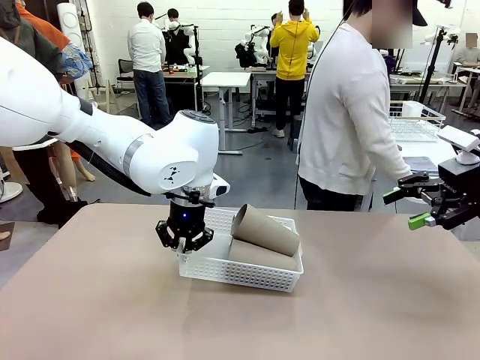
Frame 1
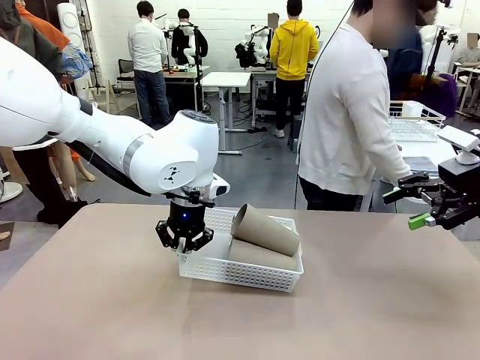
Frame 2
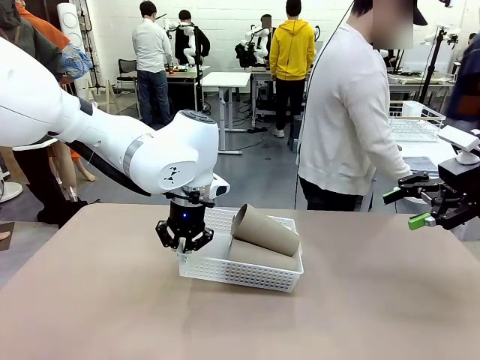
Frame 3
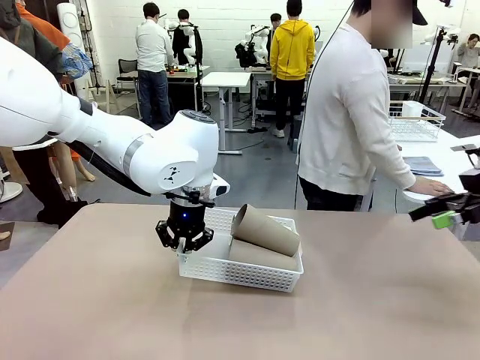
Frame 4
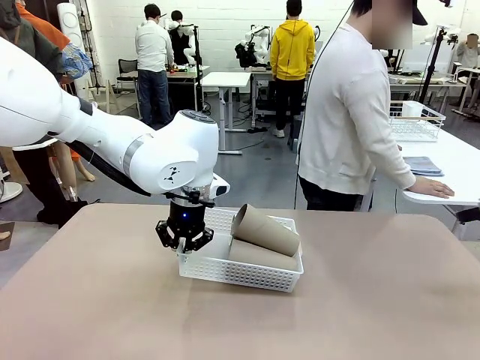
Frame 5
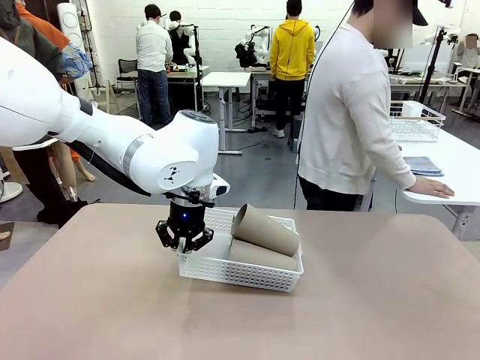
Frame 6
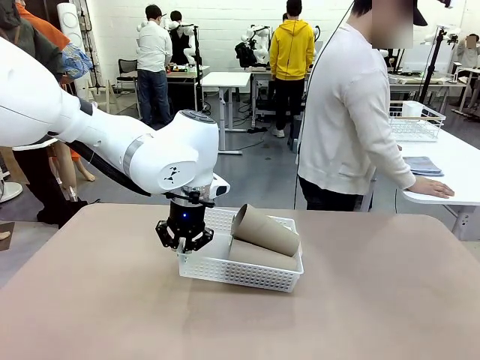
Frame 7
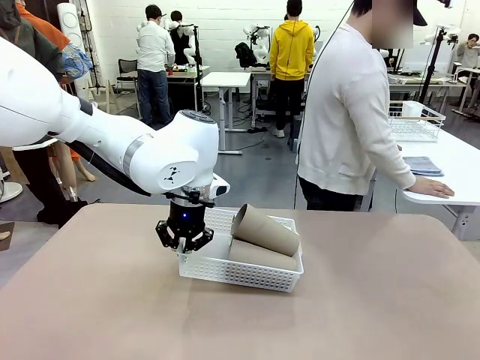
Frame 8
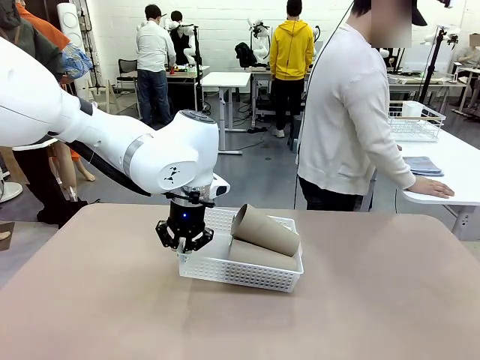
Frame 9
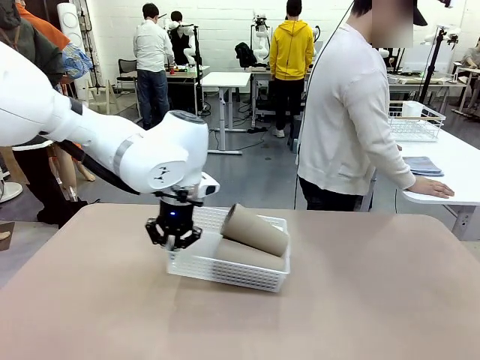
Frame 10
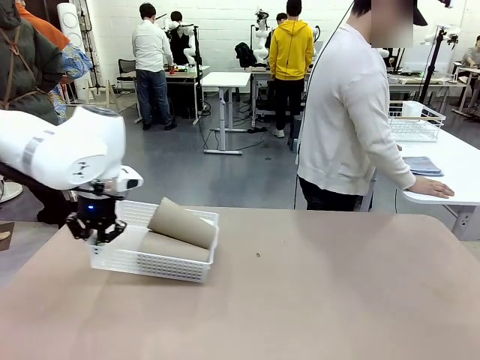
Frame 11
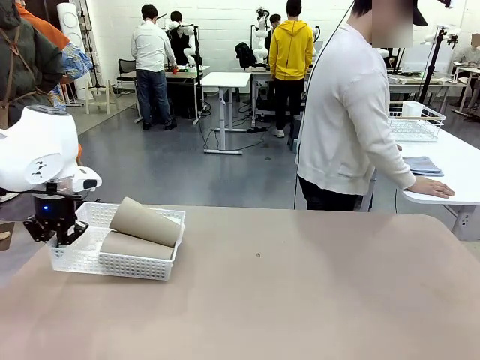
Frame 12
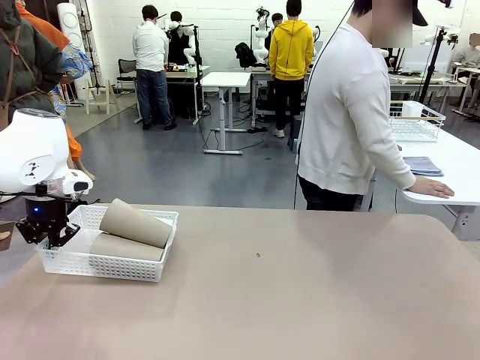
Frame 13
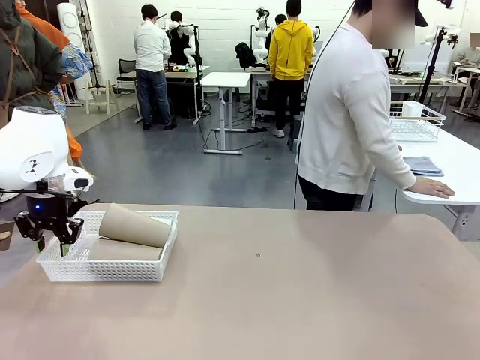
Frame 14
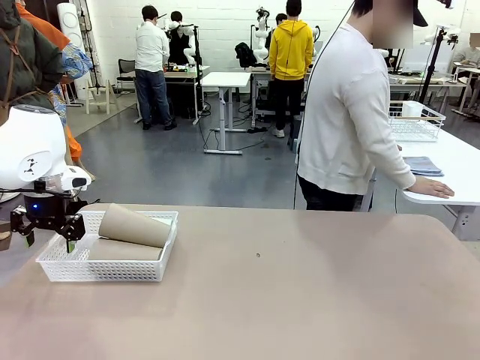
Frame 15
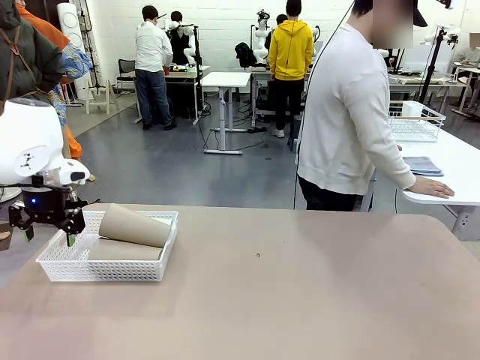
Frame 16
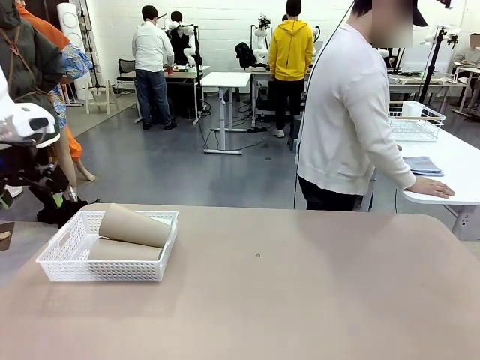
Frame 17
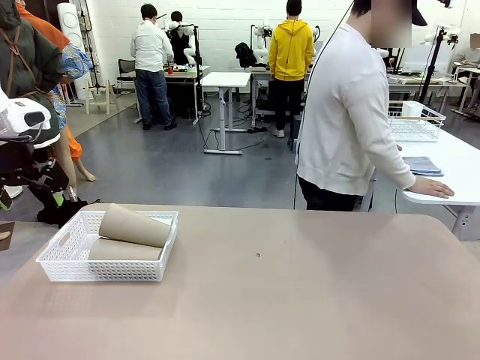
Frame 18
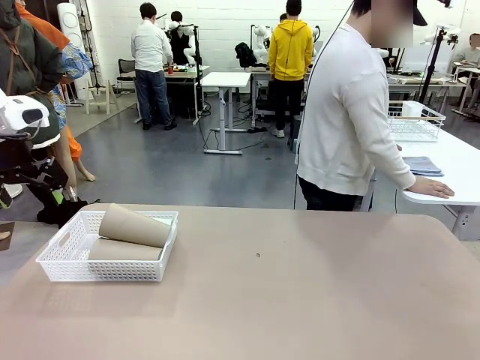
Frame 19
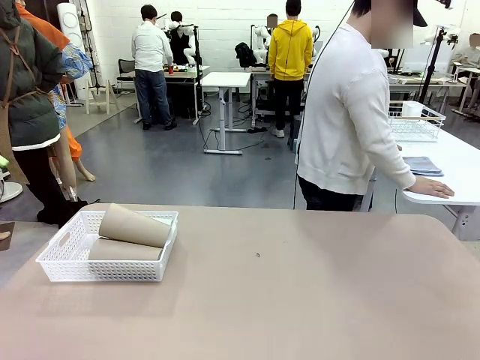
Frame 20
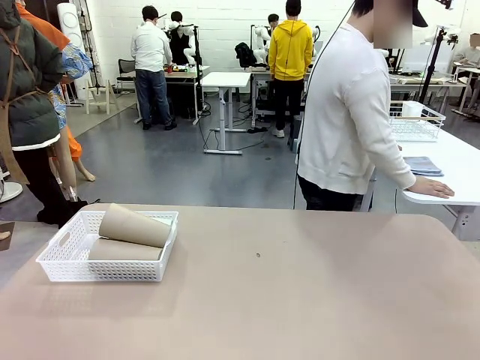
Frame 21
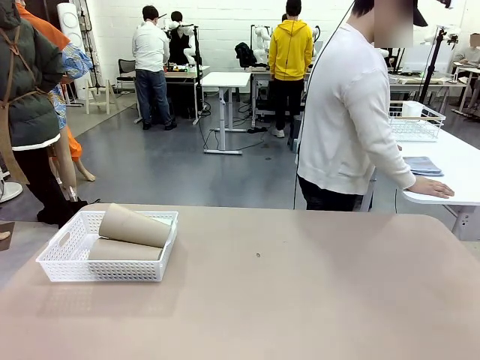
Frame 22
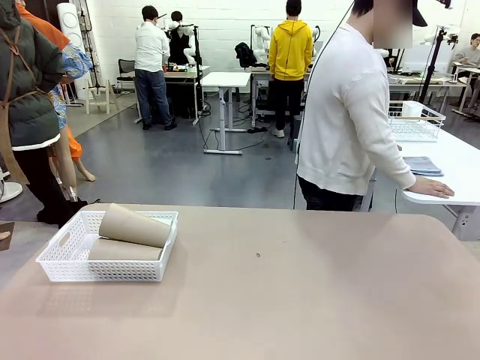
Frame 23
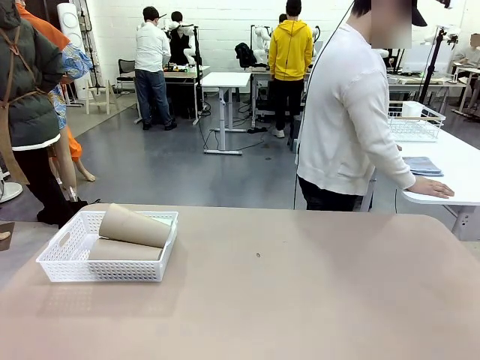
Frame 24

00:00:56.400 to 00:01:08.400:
Task: Clean and organize the cups into the basket.
Robot: Move the Organizing basket back to the left side of the table.

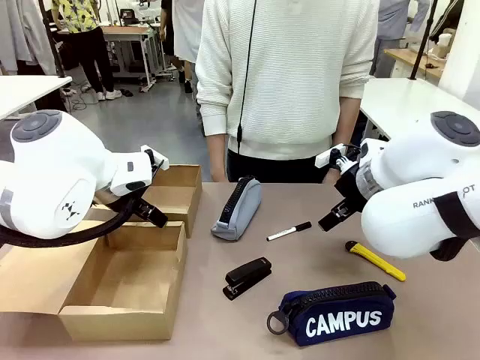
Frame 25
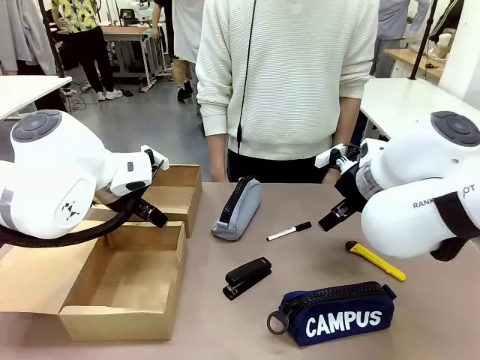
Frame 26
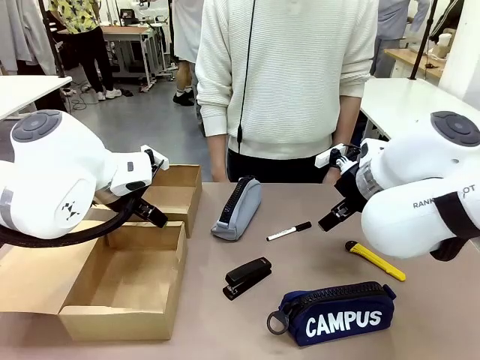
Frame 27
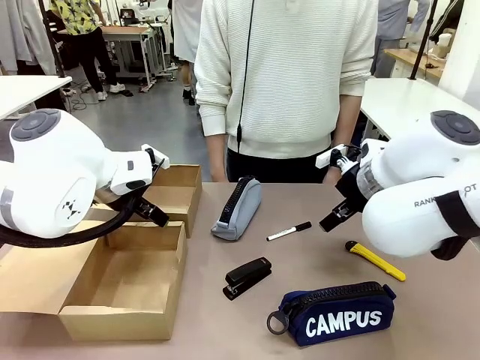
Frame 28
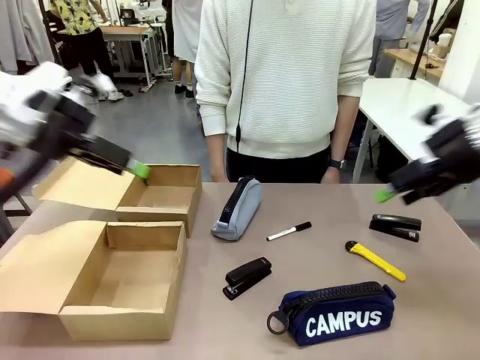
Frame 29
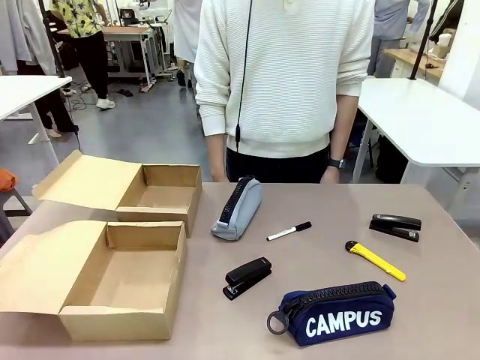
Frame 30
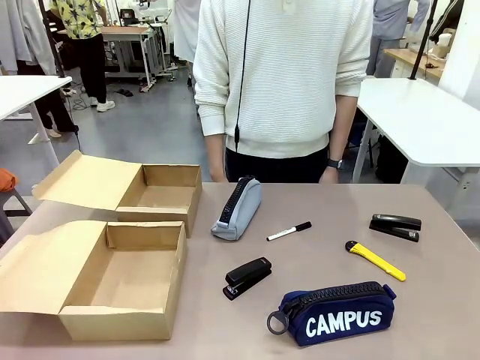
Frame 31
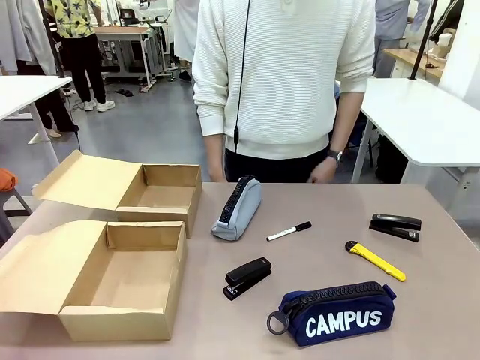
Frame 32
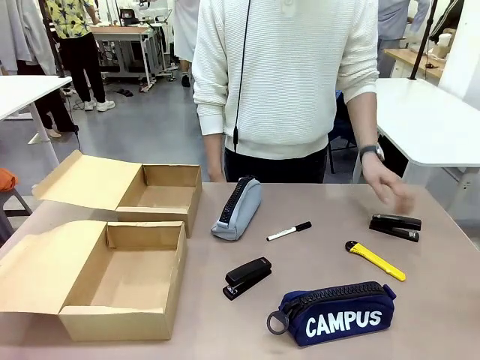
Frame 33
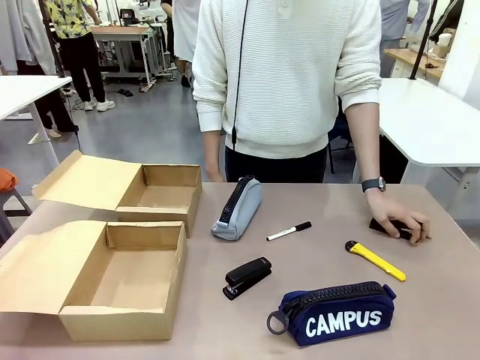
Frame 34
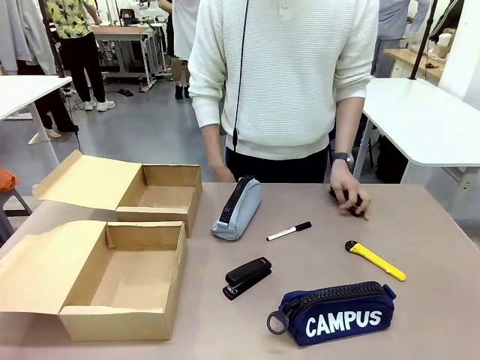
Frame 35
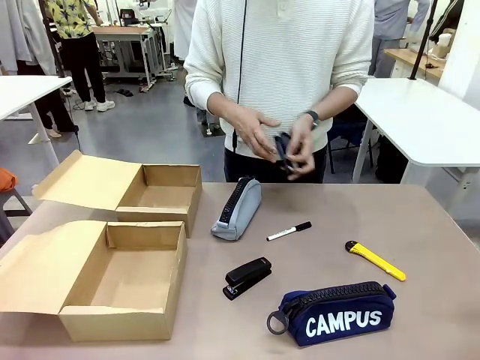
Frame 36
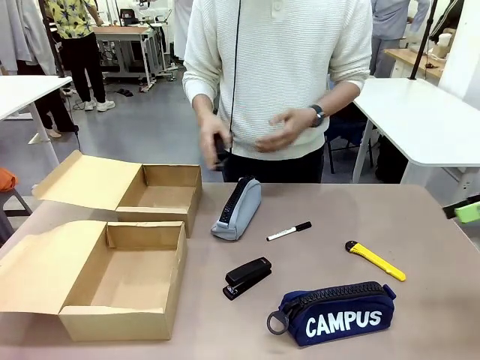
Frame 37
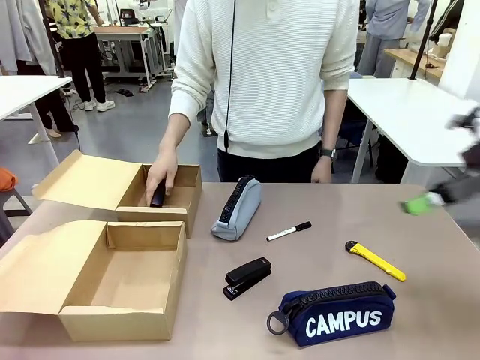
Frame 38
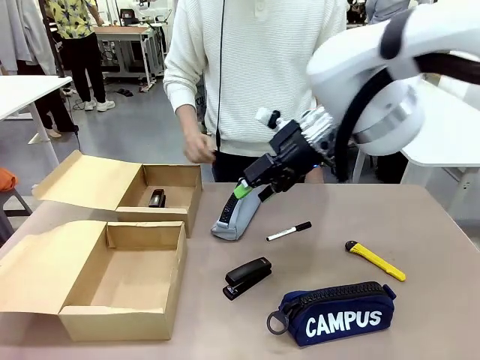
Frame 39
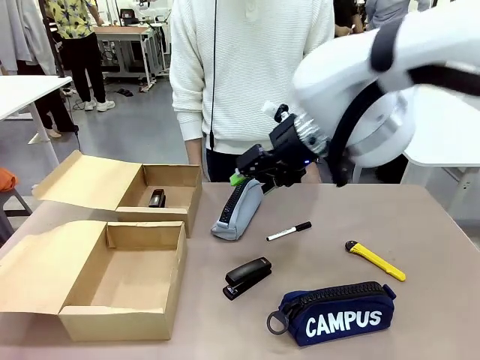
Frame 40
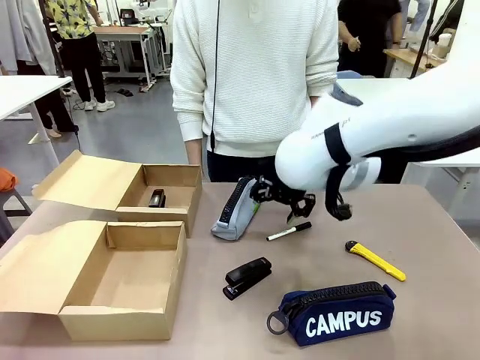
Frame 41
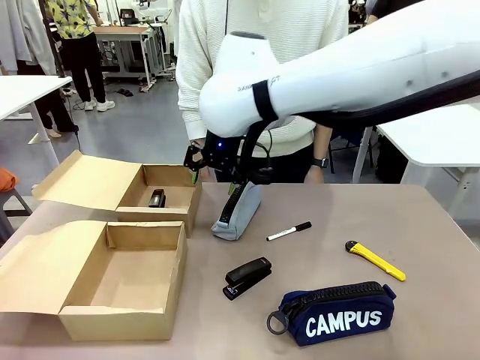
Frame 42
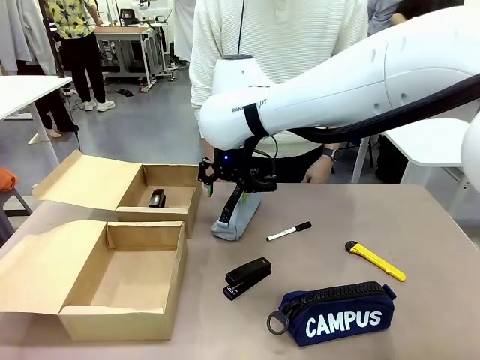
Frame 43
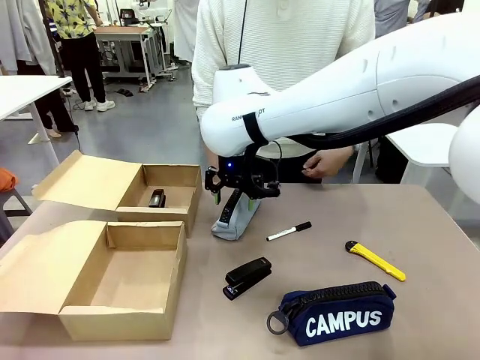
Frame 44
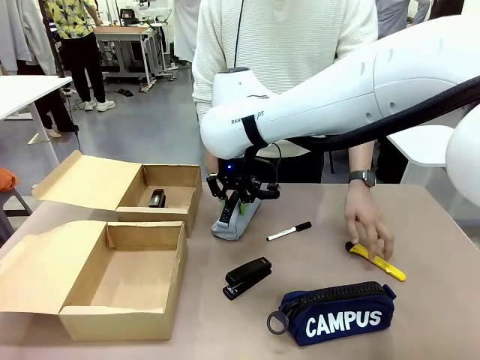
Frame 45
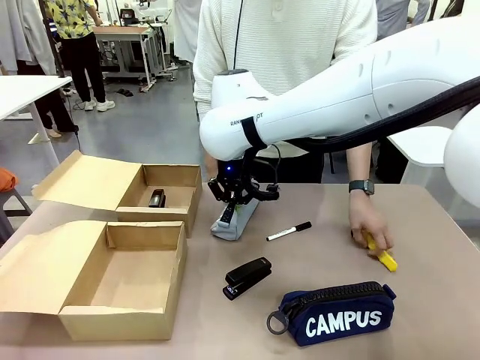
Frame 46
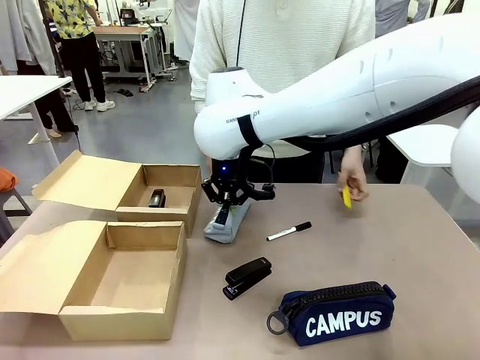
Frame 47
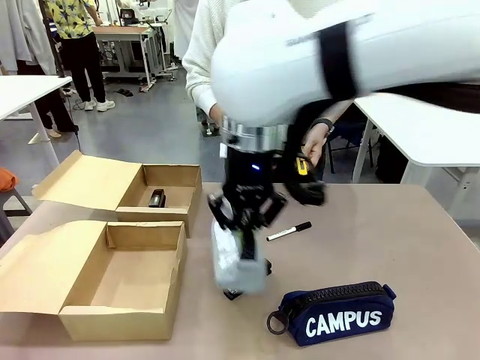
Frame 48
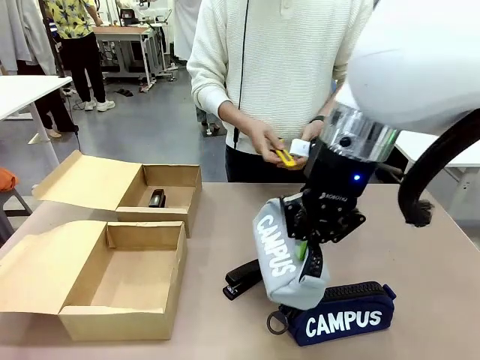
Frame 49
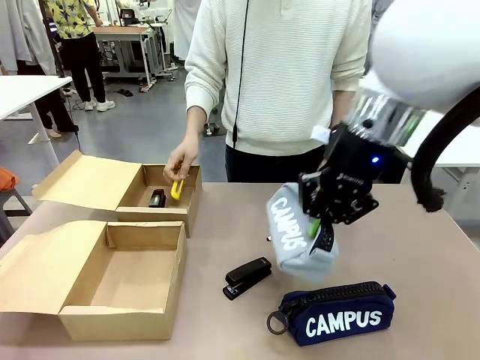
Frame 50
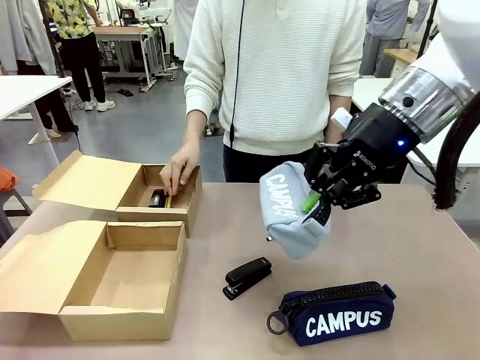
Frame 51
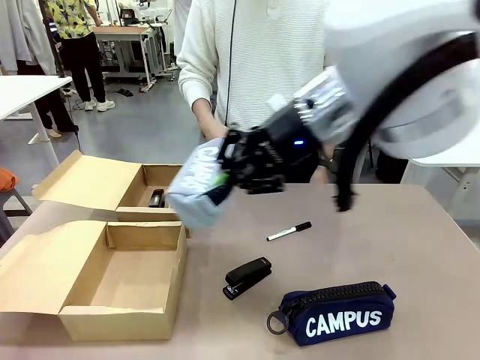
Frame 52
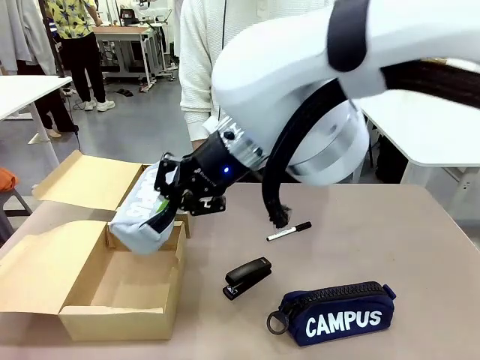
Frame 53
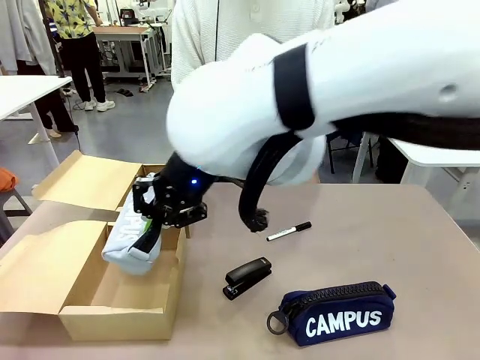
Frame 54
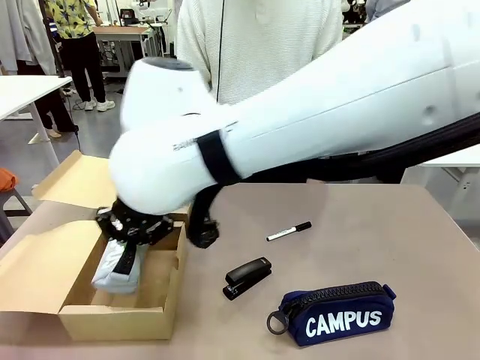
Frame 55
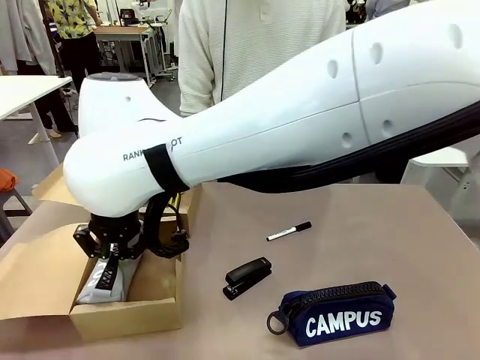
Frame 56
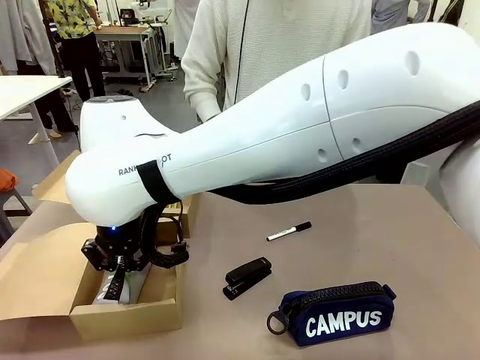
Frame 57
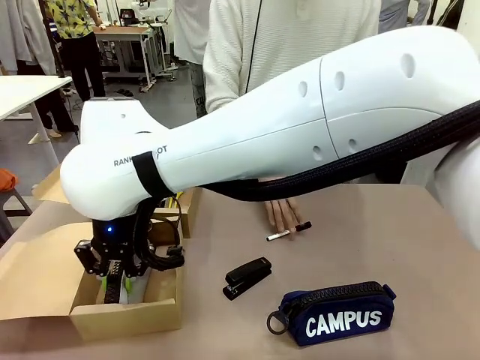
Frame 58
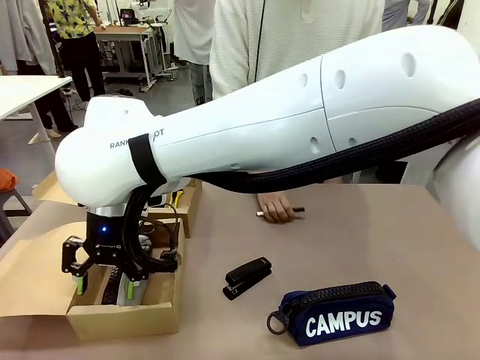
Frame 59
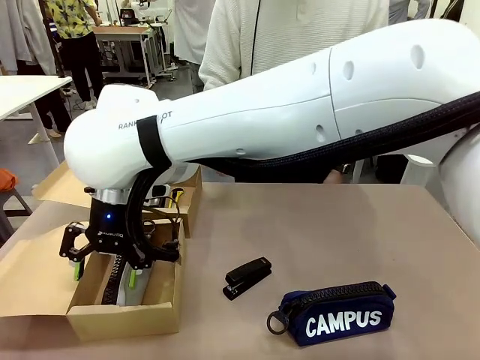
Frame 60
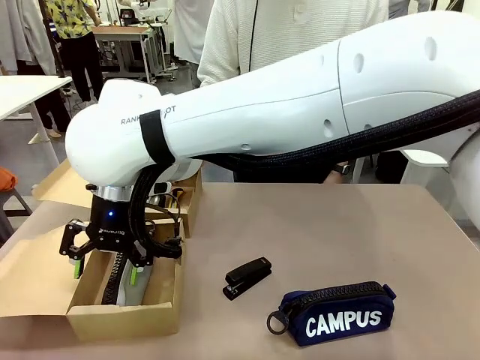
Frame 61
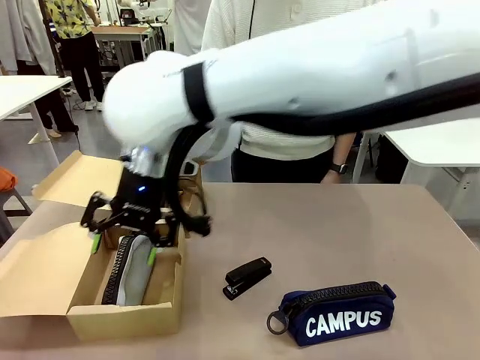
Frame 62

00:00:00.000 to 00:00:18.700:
Task: Place items inside the box.
Robot: Pick up a Pencil pouch or Stapler and place it inside the Mailer Box closest to the robot.
Person: Pick up an object on the table and put it in the box.
